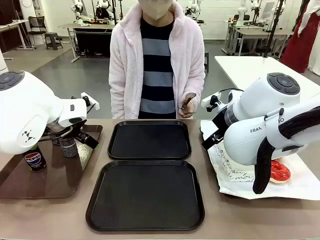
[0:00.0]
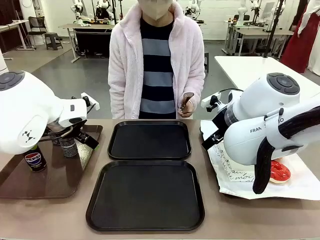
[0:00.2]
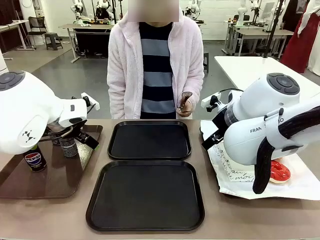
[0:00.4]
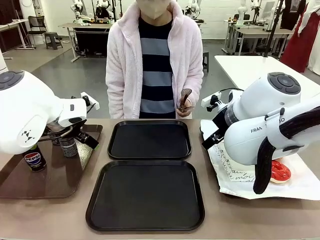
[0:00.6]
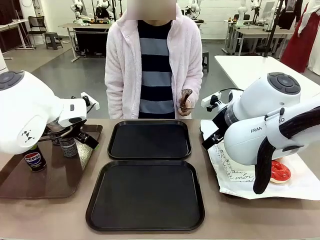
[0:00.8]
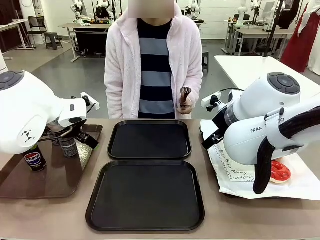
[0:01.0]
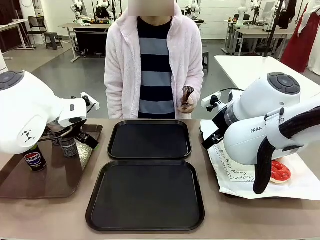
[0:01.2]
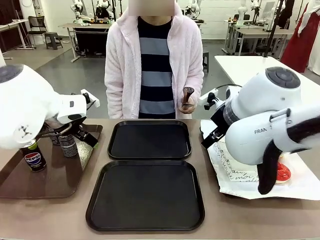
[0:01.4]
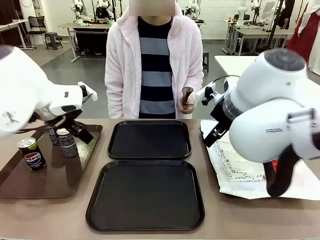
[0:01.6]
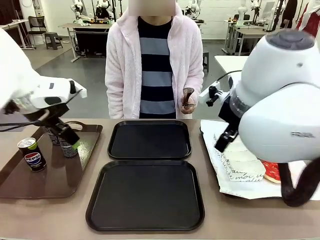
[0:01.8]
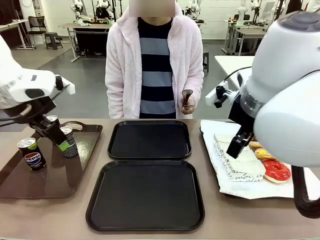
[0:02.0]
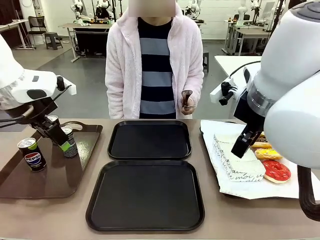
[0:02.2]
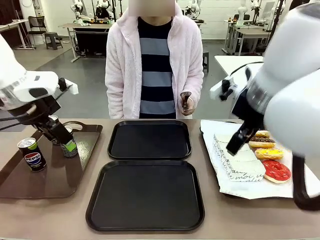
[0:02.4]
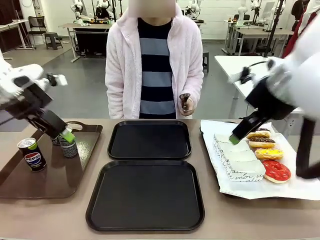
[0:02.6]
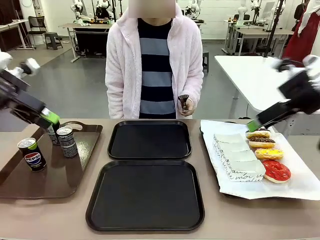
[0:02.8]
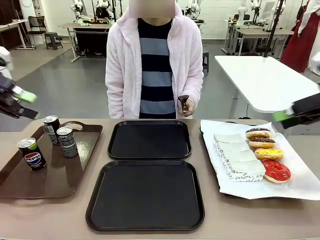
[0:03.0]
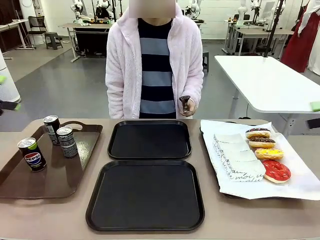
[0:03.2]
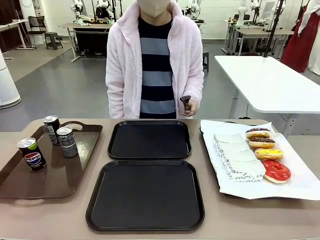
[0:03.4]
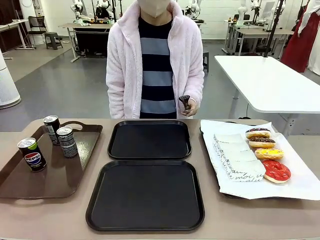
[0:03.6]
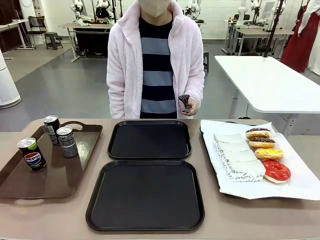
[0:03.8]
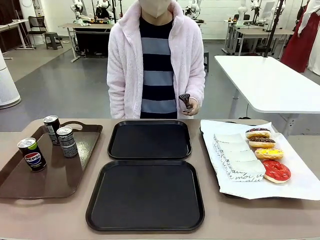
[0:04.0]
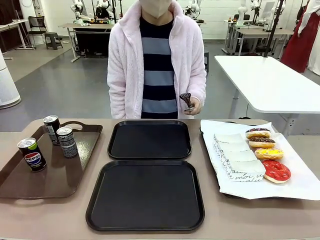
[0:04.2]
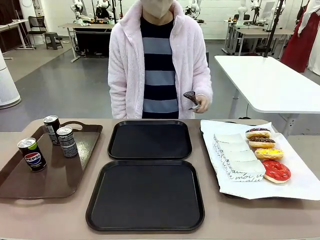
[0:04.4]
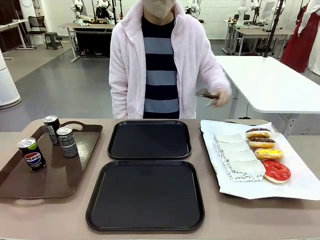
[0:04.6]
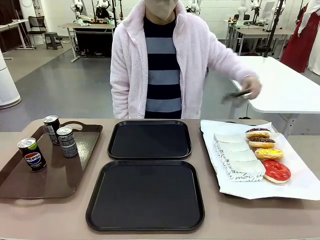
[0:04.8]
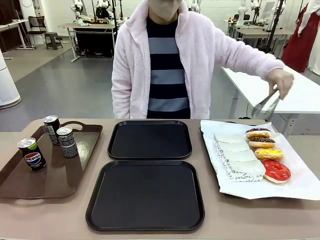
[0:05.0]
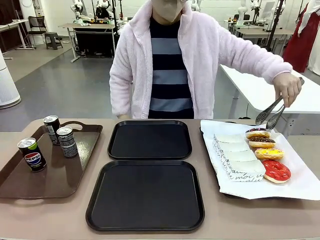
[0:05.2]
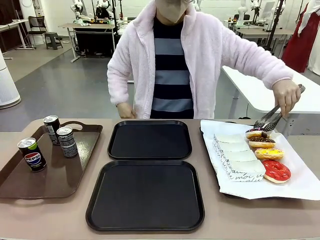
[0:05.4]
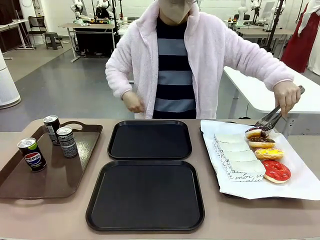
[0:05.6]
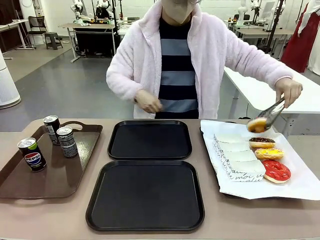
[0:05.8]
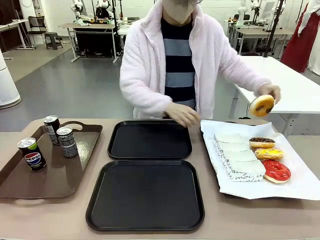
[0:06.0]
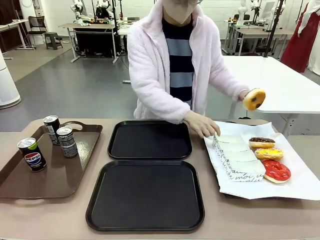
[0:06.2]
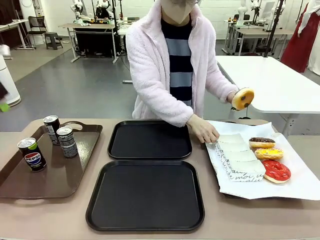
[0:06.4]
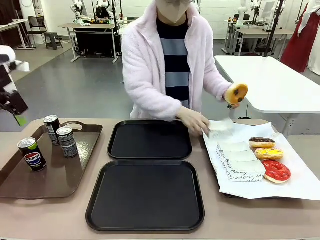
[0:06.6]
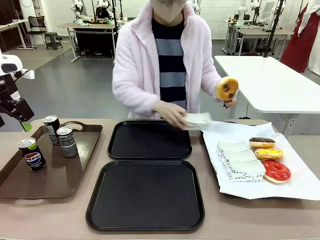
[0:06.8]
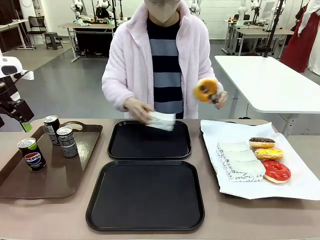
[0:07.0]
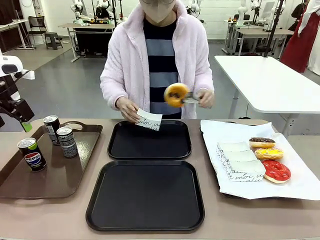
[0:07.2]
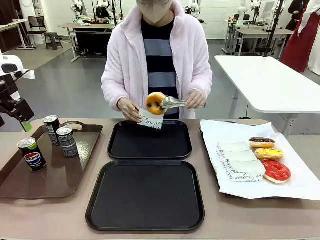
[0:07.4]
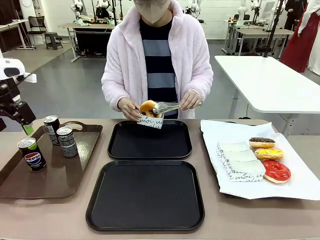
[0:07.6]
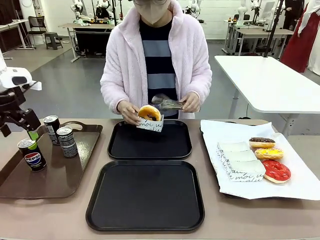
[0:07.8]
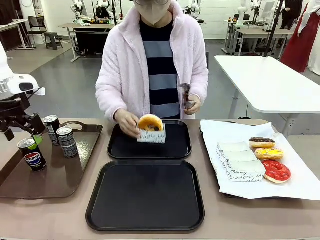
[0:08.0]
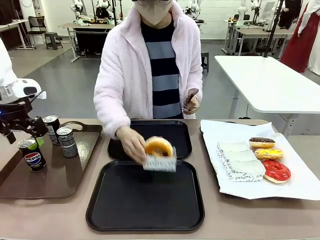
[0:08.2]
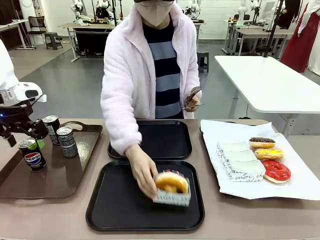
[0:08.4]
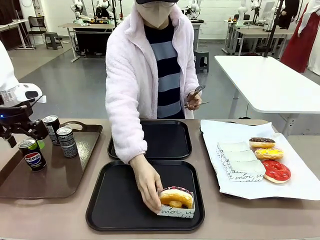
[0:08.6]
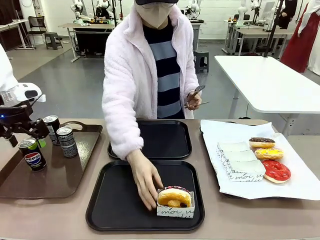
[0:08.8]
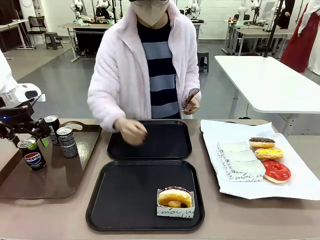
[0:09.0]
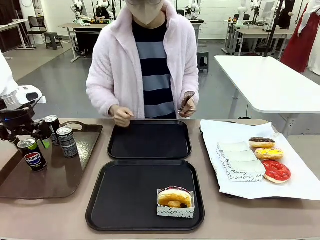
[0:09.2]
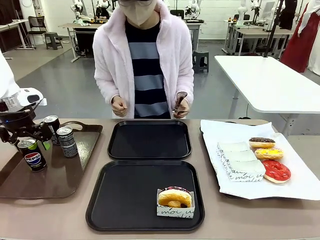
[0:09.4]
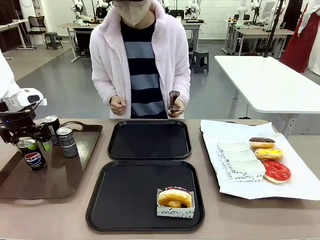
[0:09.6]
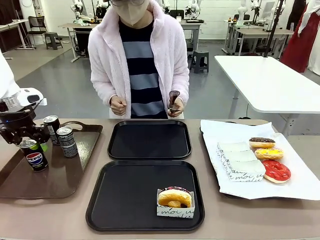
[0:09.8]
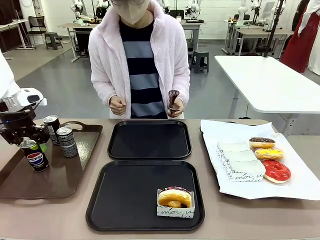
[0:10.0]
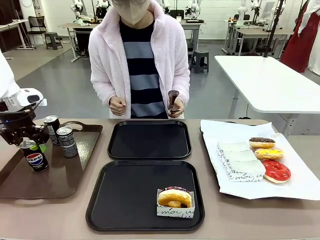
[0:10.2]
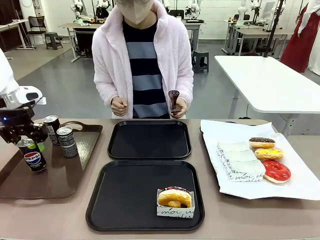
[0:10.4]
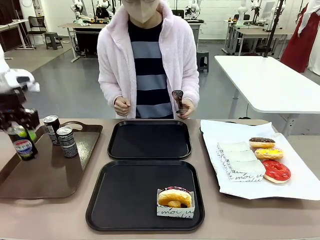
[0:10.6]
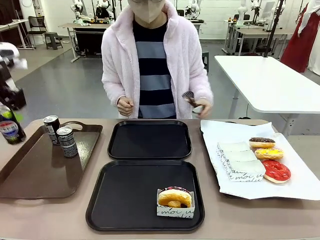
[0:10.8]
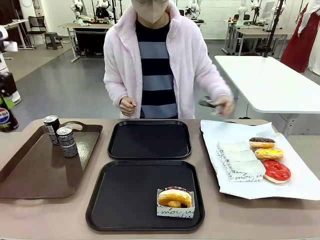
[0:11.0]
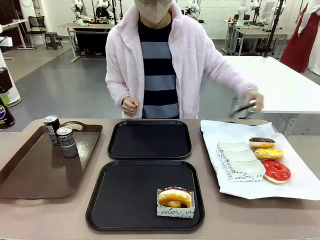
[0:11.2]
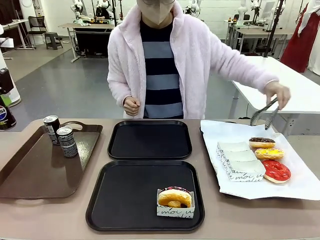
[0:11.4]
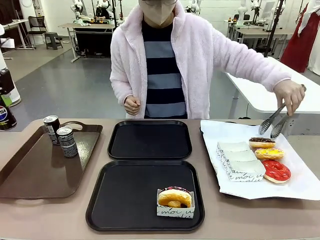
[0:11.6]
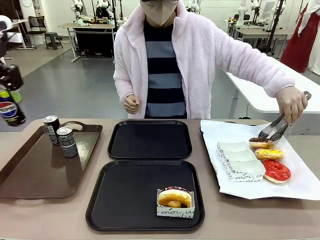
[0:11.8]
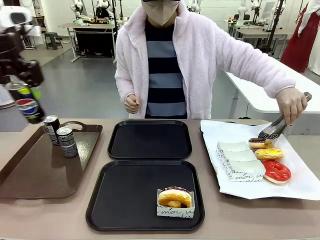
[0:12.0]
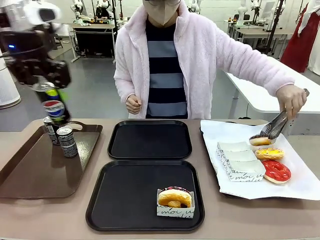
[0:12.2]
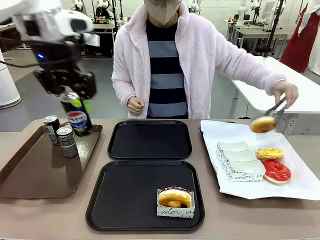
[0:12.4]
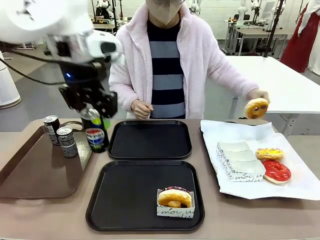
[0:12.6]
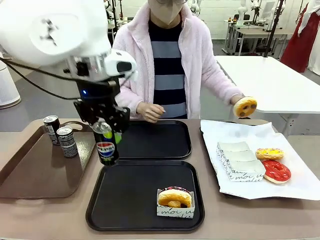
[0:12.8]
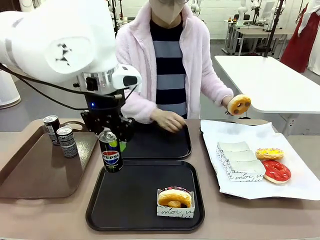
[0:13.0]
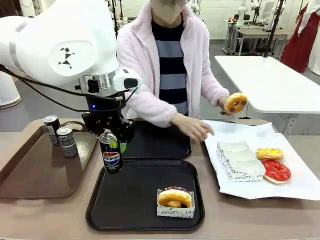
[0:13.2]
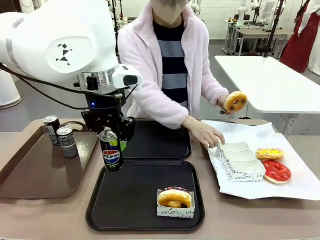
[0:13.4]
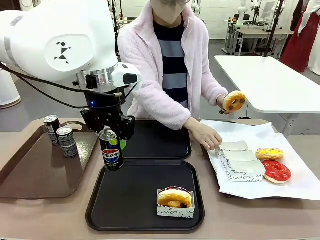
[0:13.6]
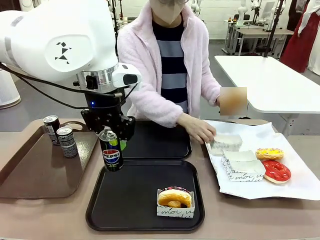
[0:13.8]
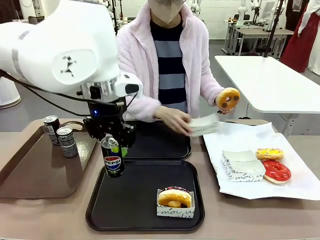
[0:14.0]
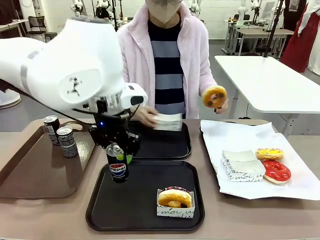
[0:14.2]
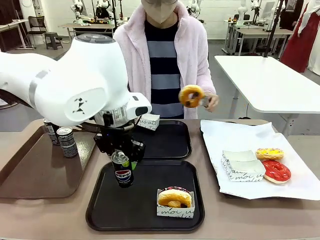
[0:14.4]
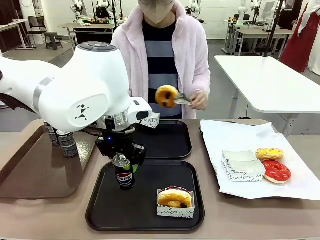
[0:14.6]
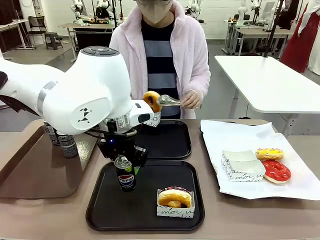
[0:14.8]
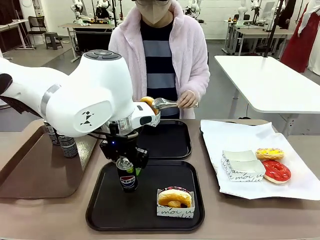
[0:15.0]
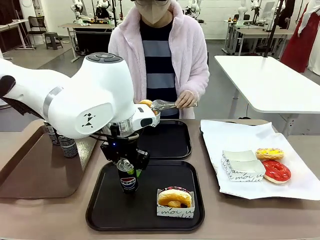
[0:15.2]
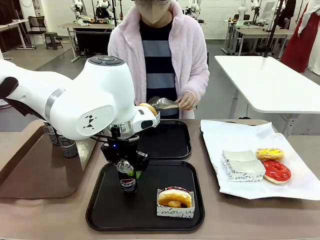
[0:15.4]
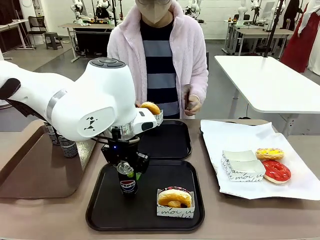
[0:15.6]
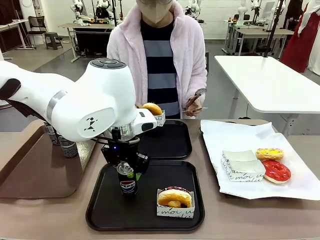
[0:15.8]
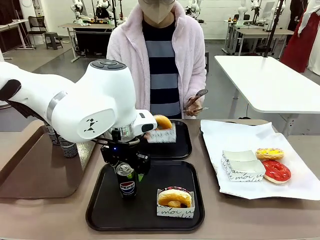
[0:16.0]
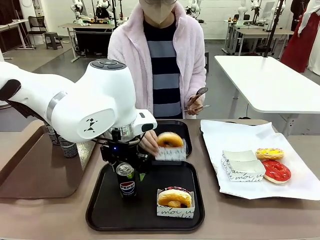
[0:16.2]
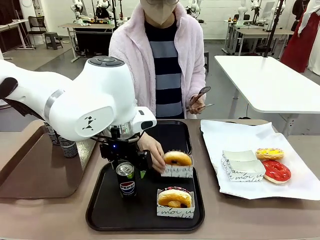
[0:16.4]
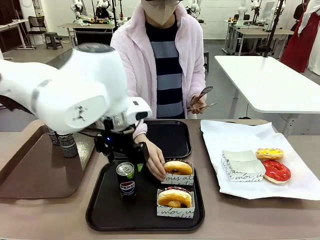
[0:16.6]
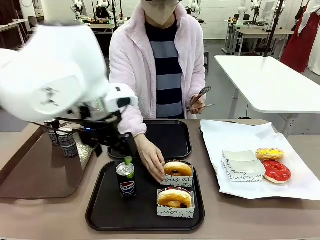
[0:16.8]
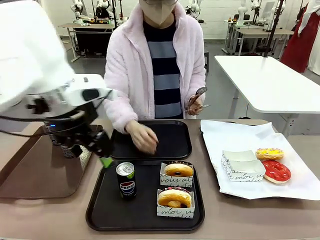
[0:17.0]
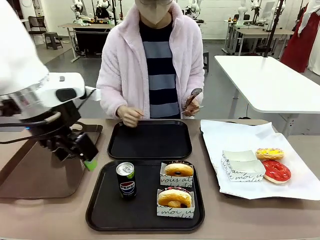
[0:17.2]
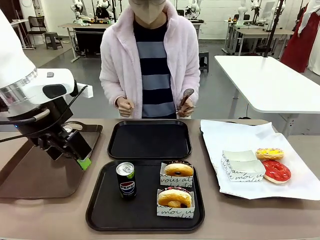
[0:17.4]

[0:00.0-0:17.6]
Task: Set up donuts and drinks on trays.
Robot: Pick up one Pepsi coke and place it on the Flat Tray.
